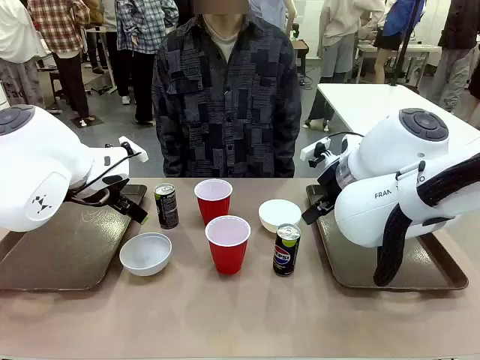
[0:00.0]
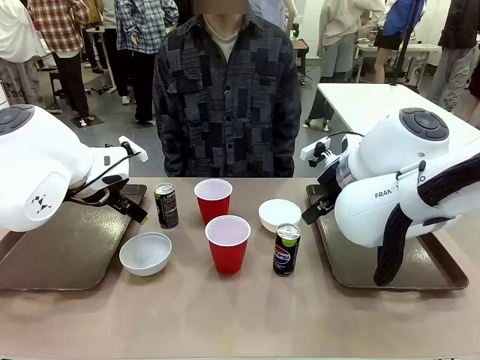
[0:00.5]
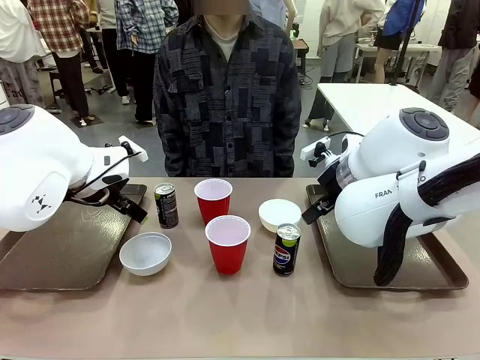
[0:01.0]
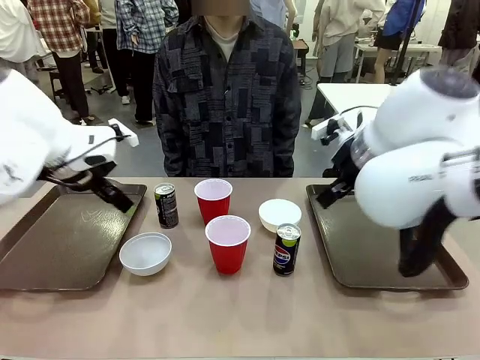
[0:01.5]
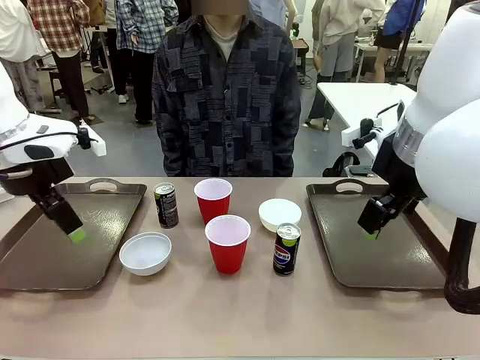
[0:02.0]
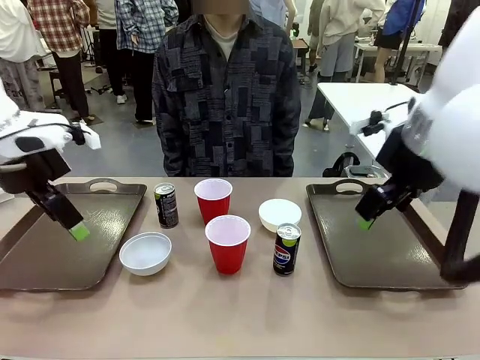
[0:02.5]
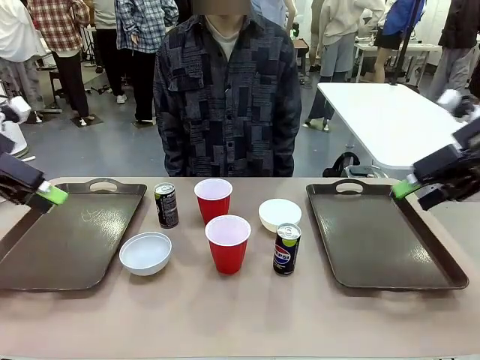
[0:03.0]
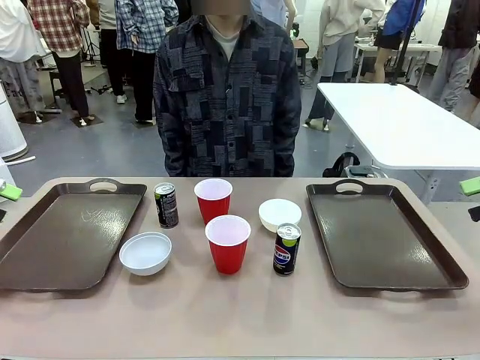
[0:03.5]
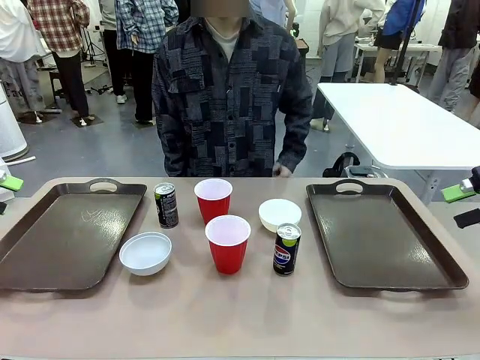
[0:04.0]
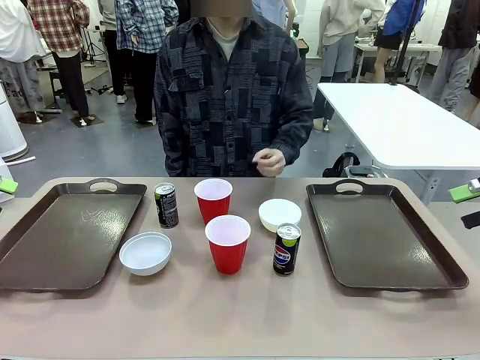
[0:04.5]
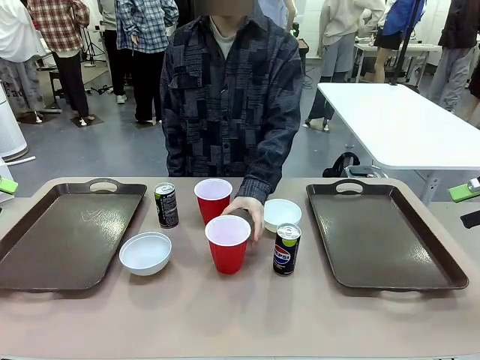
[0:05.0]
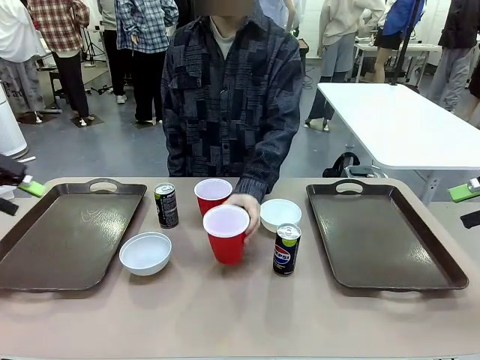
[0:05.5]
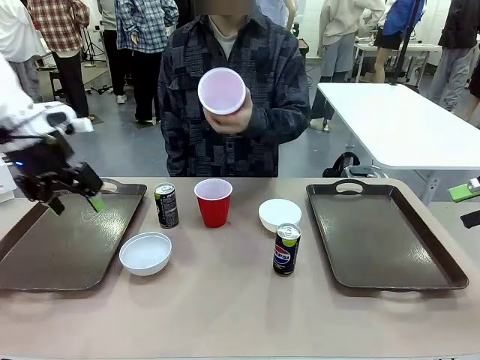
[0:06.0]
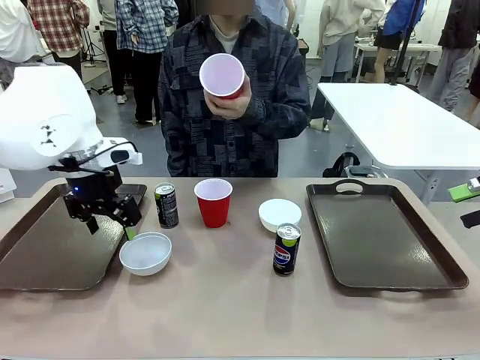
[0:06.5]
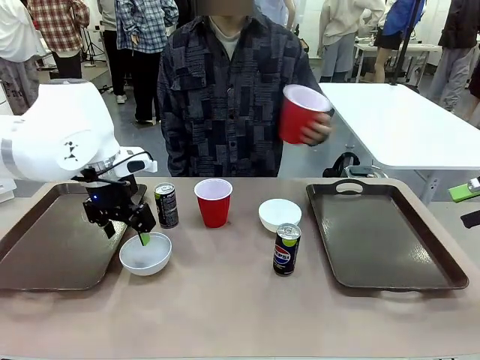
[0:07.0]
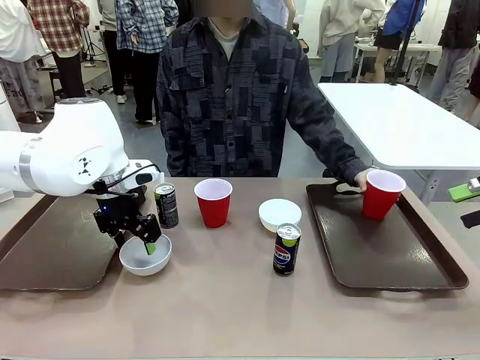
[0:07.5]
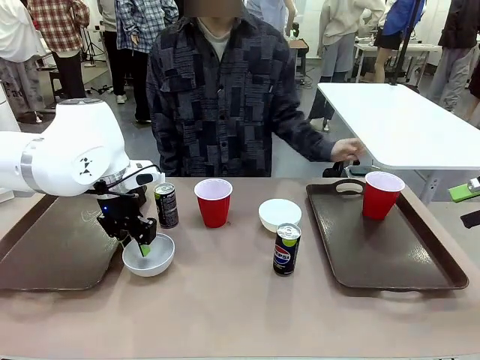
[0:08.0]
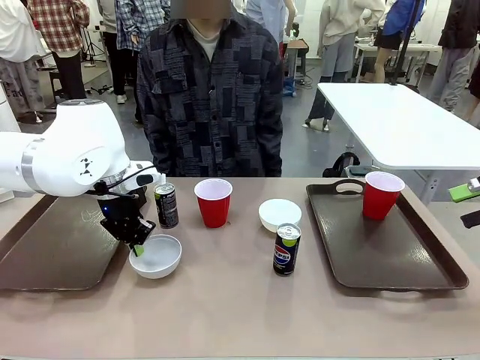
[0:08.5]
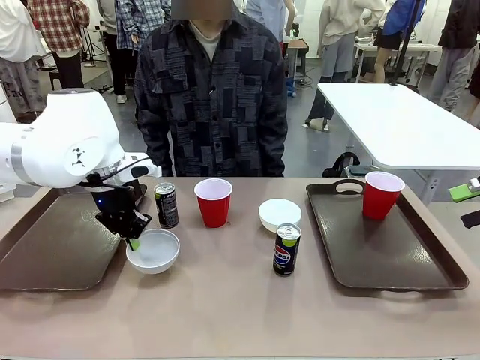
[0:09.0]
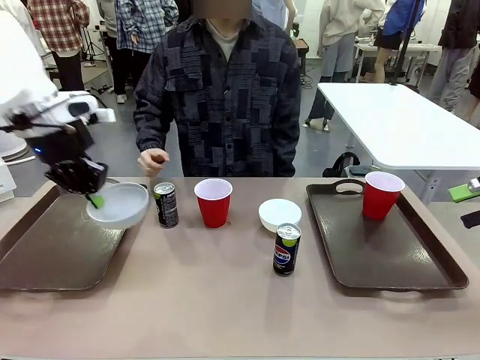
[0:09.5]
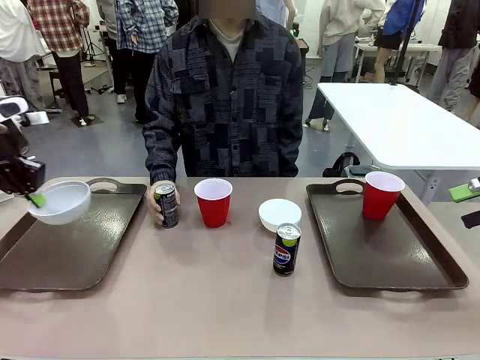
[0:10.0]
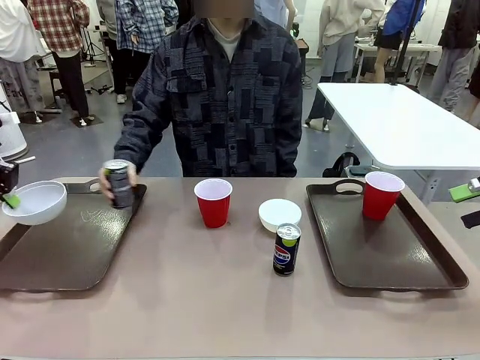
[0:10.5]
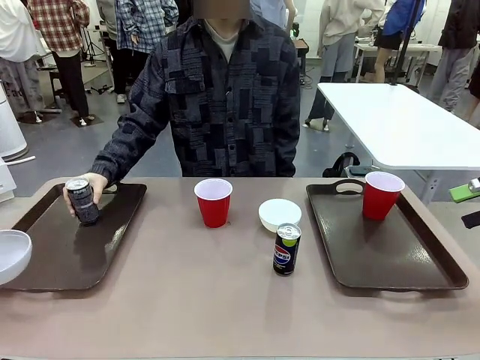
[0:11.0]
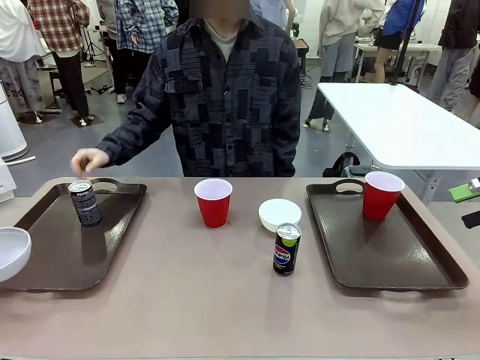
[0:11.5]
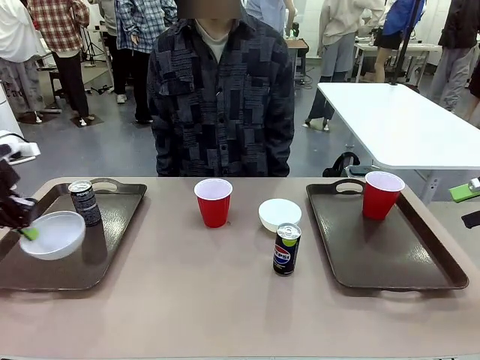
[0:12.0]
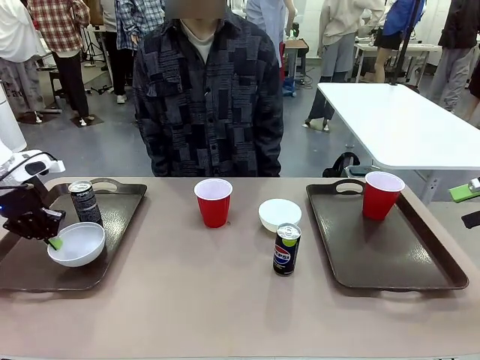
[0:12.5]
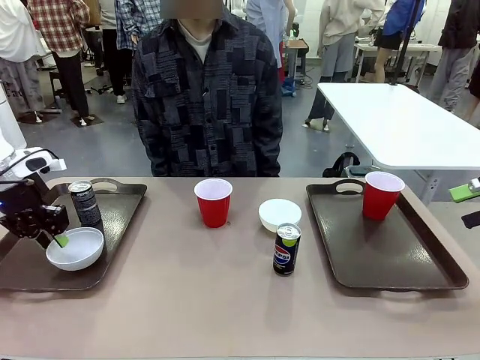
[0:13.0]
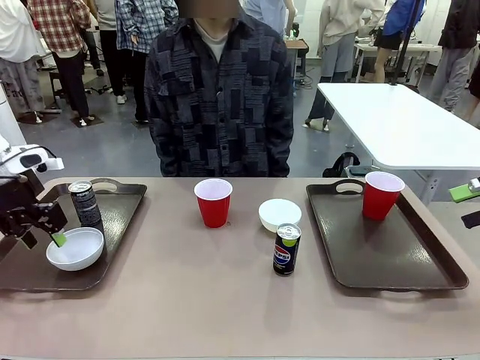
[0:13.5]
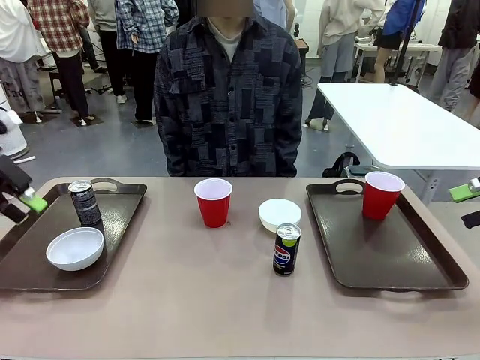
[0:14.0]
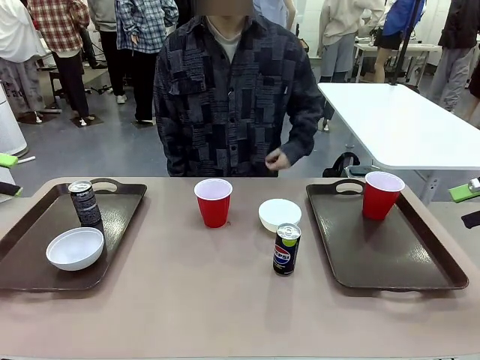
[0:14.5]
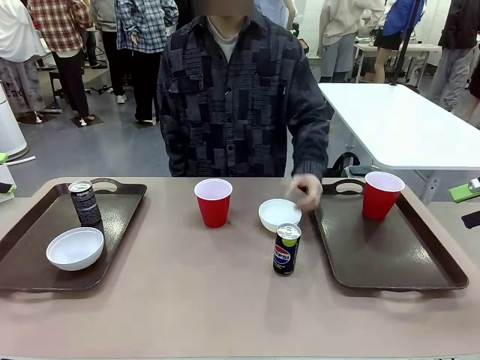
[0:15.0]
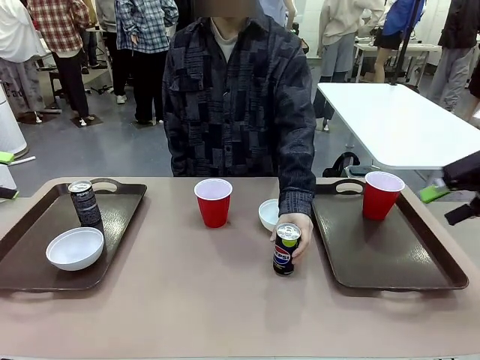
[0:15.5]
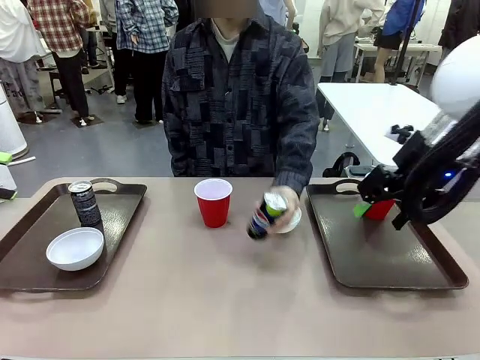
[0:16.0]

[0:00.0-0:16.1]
Task: Prepare tableware on both trays.
Robot: Pick up a Picnic Bowl from the table and place it on a Handle tray.
Person: Pick up a can or cup and place it on the tray.

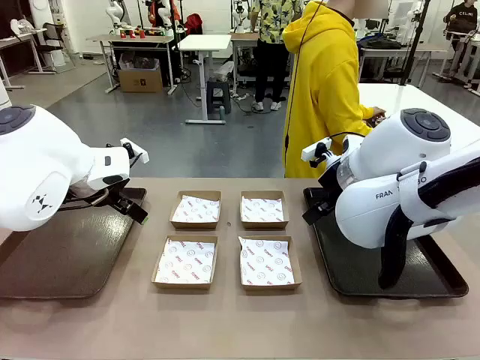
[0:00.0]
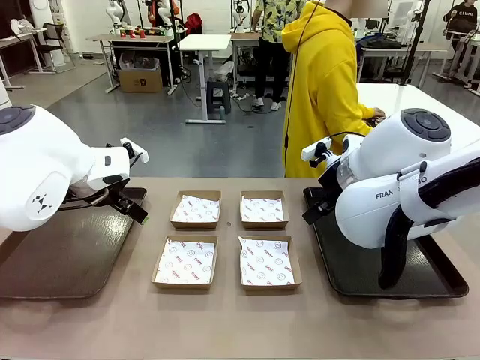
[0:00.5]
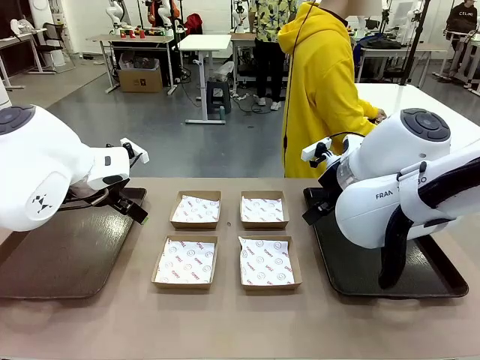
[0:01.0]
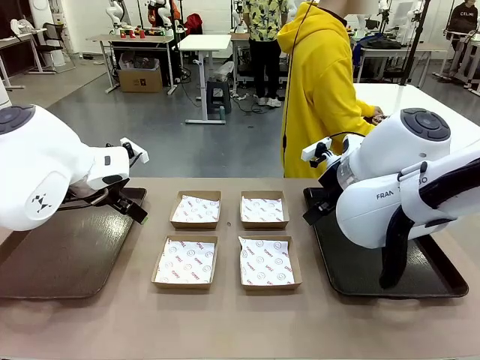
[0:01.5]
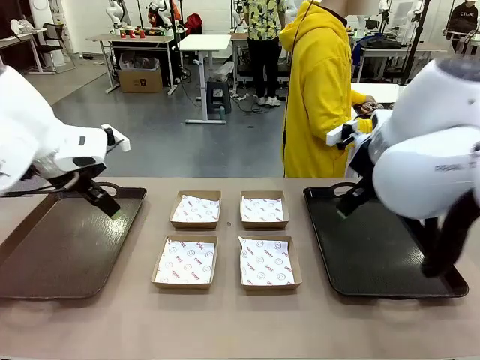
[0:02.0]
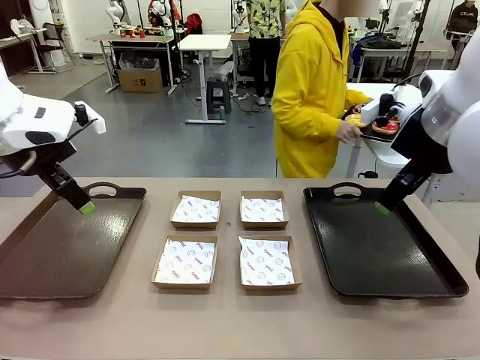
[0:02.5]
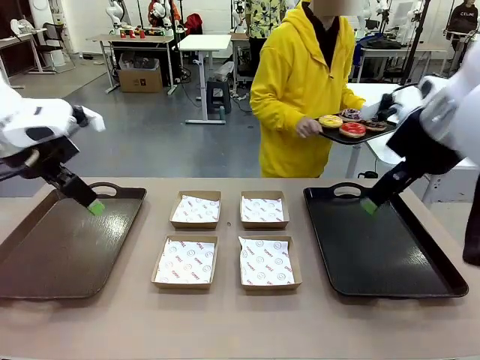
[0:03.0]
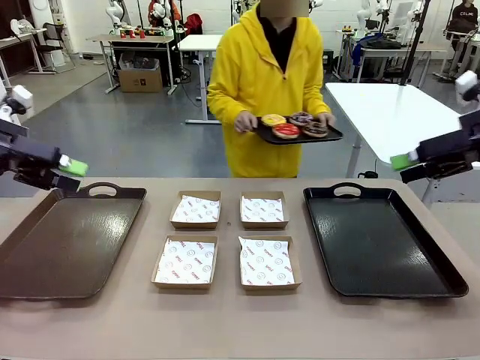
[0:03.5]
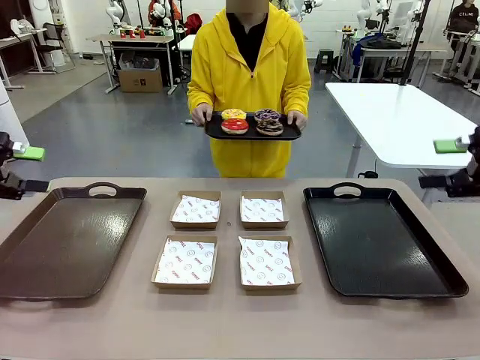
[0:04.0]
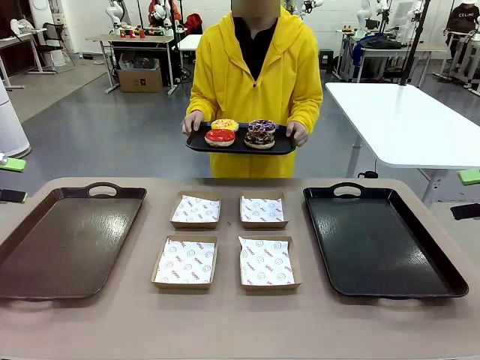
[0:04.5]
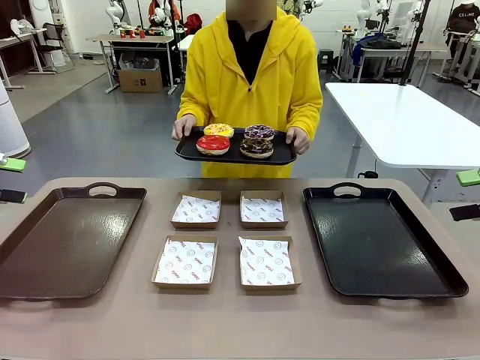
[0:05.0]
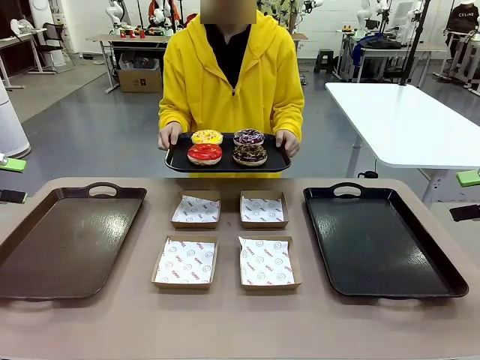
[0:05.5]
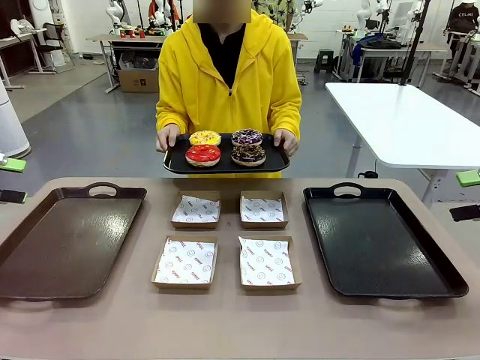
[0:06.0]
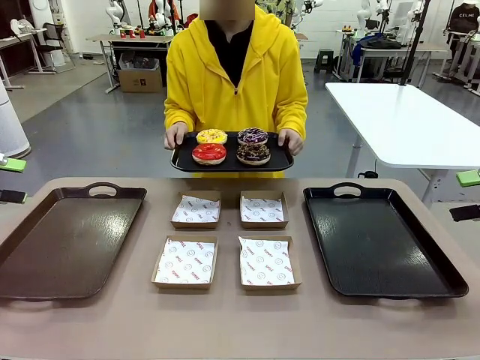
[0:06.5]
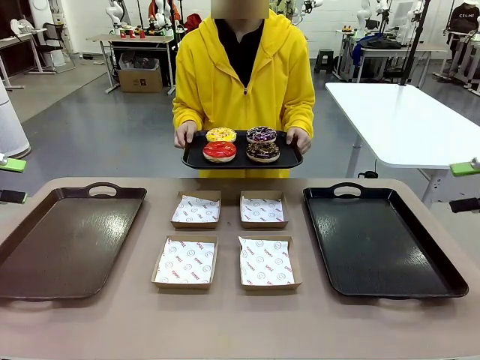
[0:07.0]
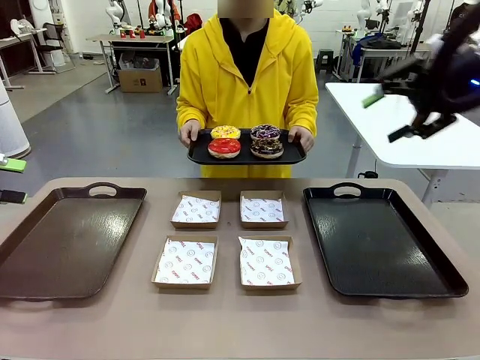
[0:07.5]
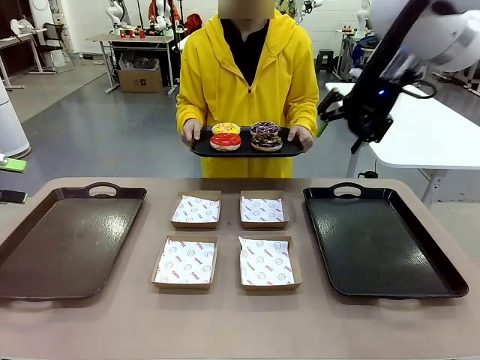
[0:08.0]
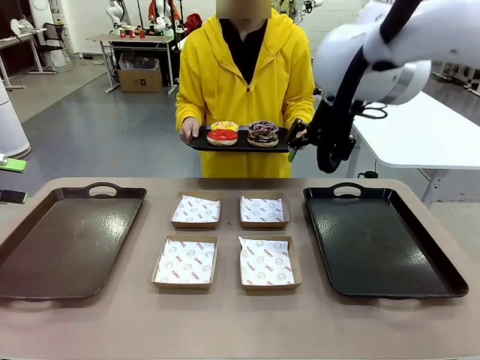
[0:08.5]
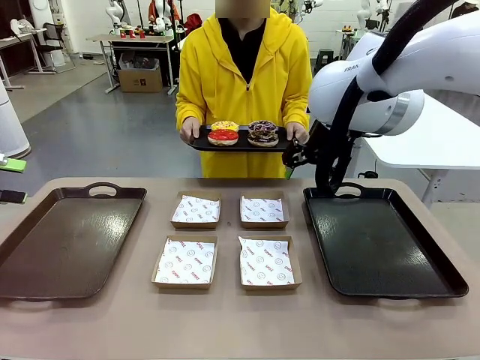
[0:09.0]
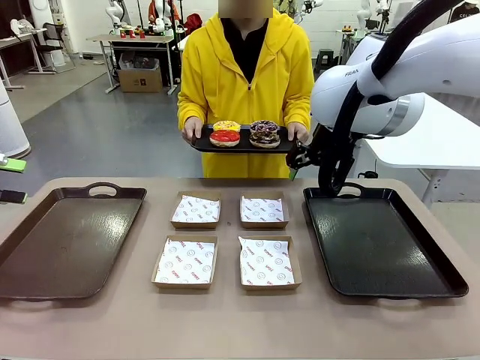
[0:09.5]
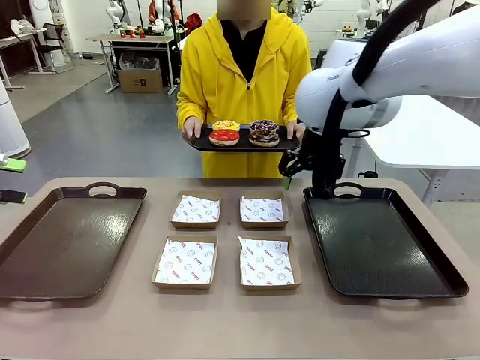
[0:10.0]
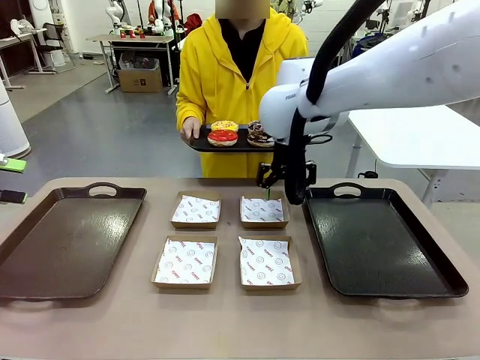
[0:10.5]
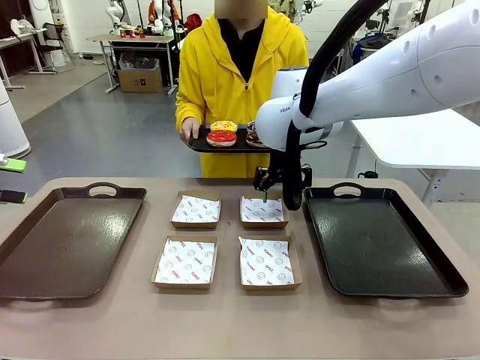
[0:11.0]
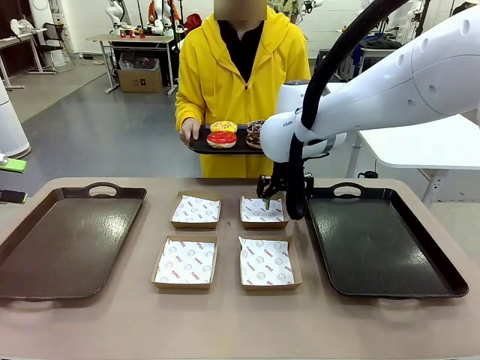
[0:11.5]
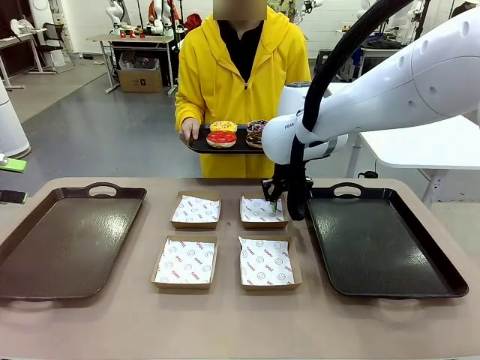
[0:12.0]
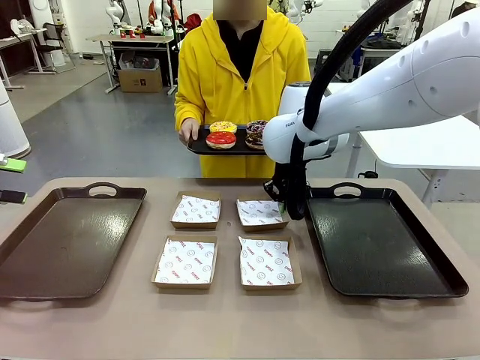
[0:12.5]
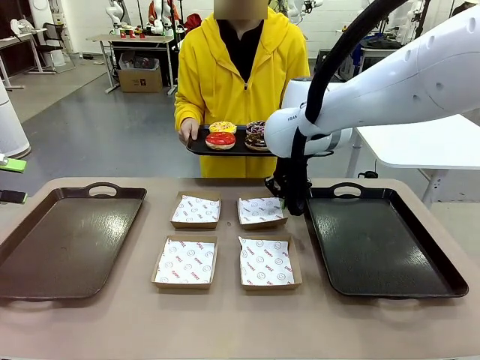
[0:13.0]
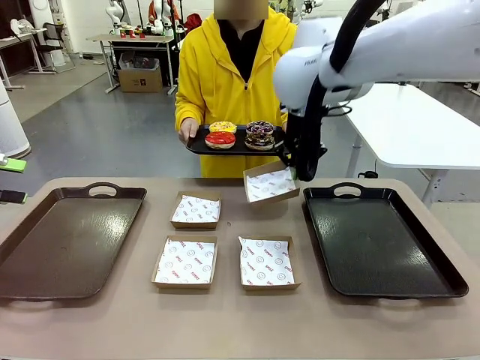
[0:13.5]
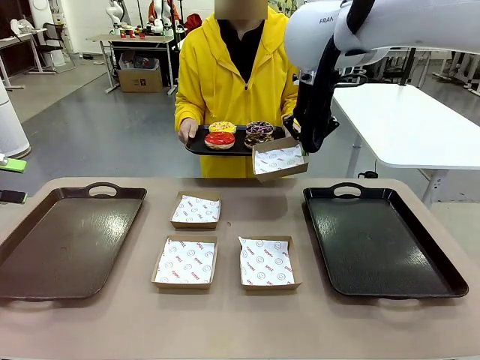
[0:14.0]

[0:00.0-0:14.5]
Task: Individually package the donuts and arrange them on the tray.
Robot: Pick up one Paper togo box.
Person: Stand in front of the robot table holding the tray containing the donuts.
